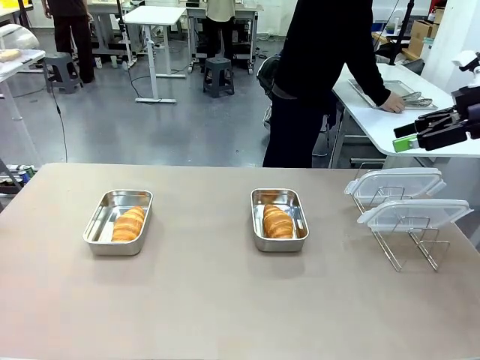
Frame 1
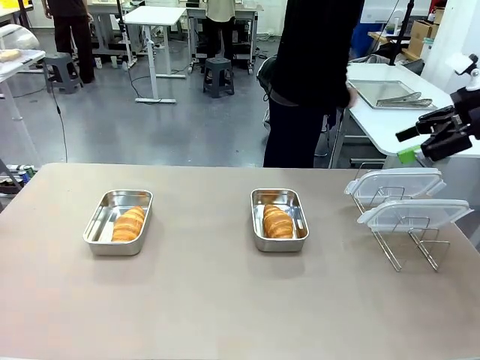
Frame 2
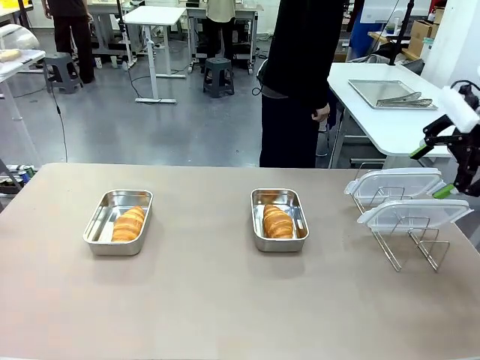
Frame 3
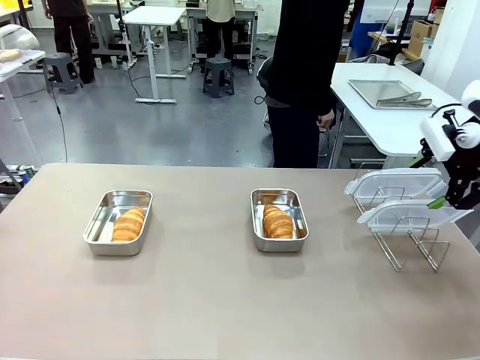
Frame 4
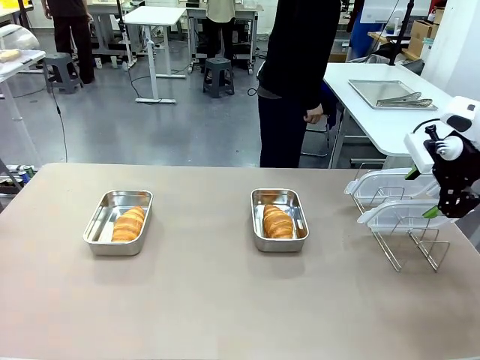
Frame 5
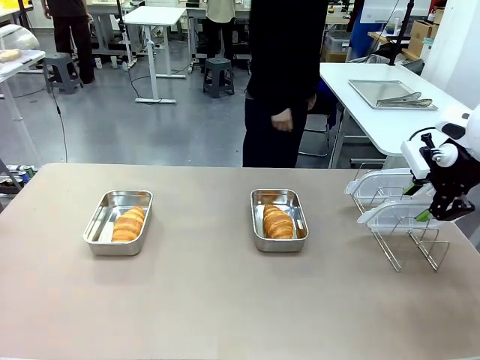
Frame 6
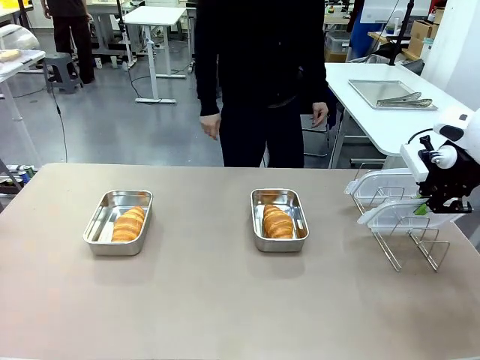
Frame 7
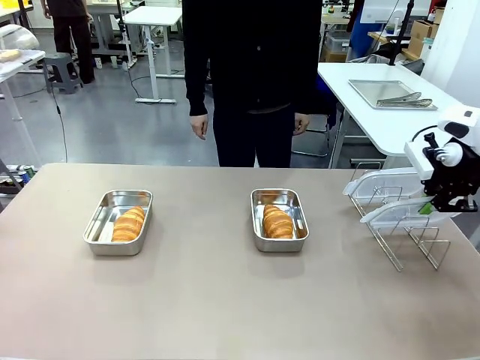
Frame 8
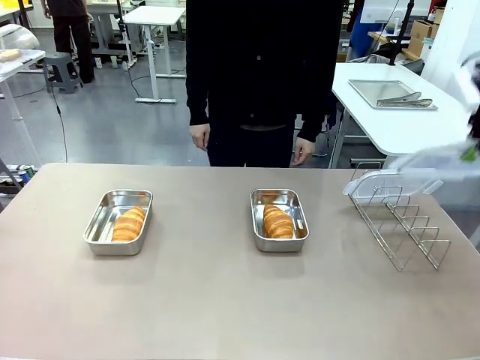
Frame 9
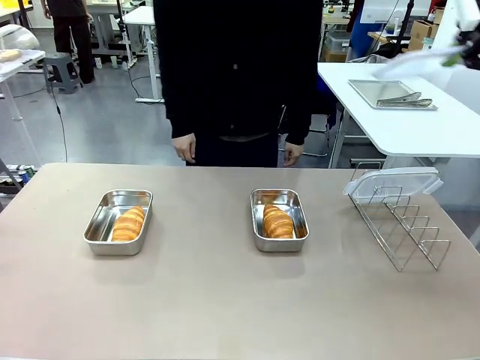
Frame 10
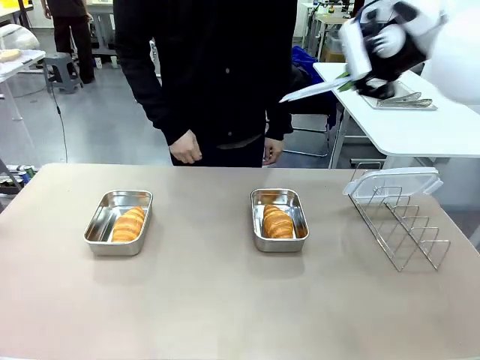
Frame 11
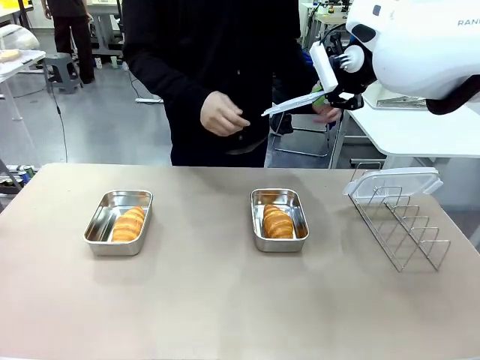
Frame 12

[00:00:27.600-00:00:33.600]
Task: Place the bread in airtight containers.
Robot: Pick up one Airtight Container lid and hand it to the human.
Person: Grip Airtight Container lid that robot is handing.

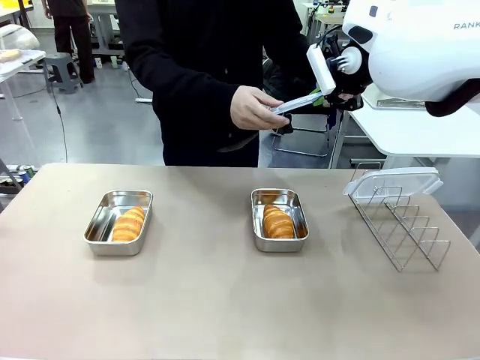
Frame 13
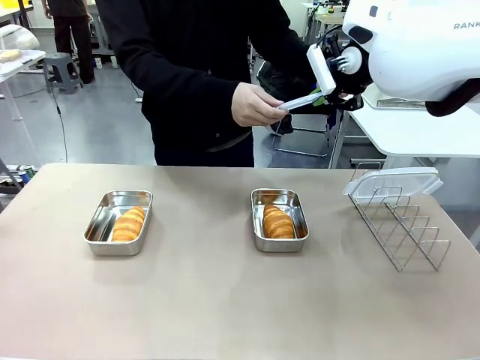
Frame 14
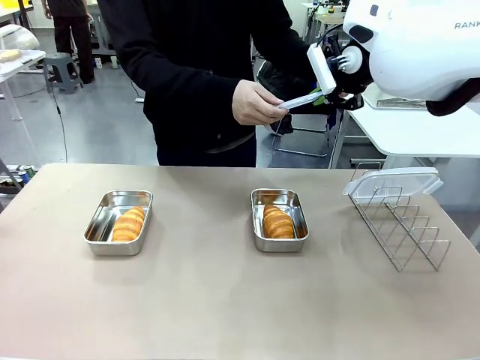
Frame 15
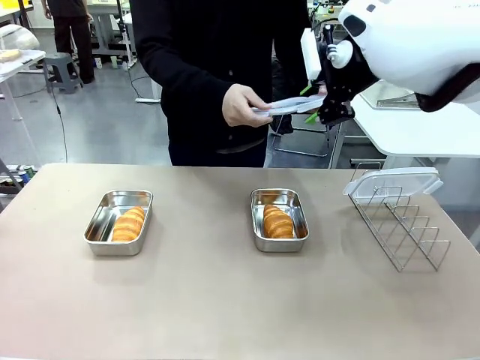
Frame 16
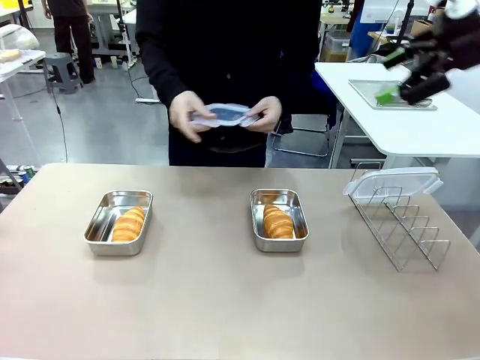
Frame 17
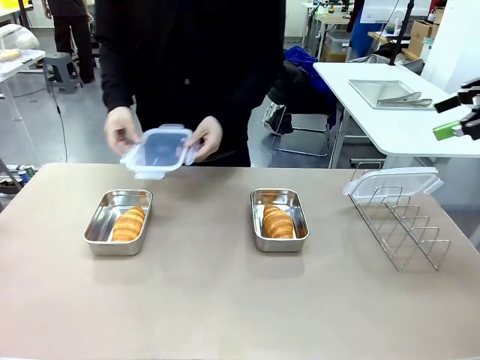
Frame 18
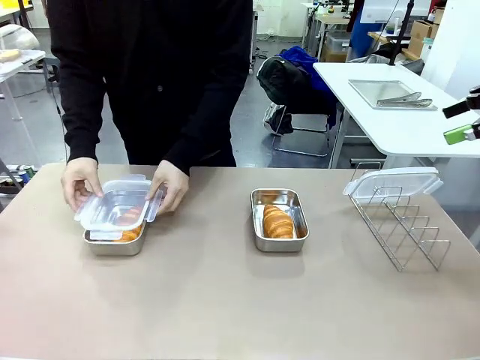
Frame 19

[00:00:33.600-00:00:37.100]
Robot: Release when the human grabs the Airtight Container lid.

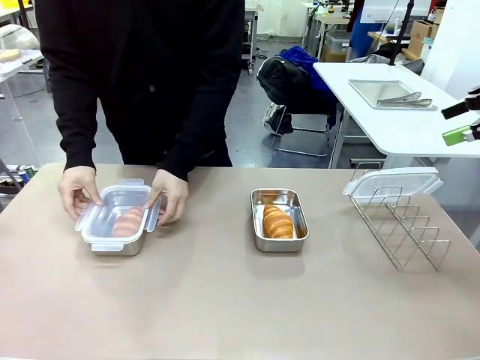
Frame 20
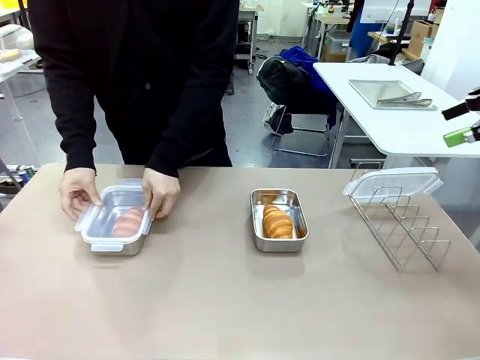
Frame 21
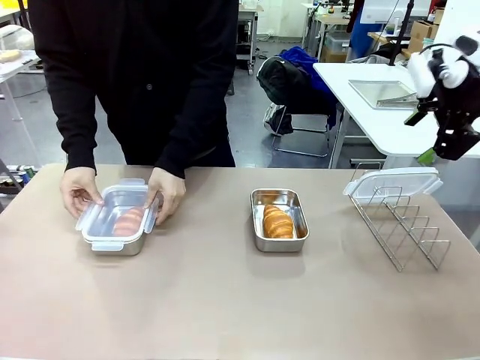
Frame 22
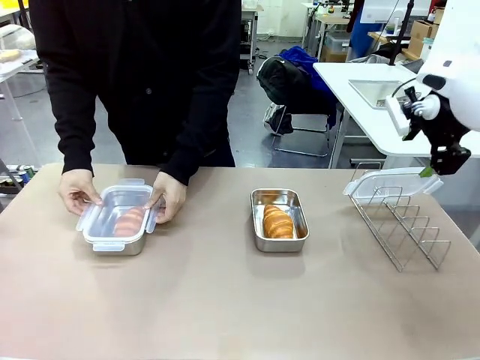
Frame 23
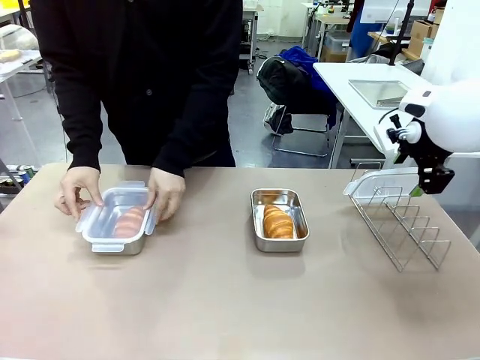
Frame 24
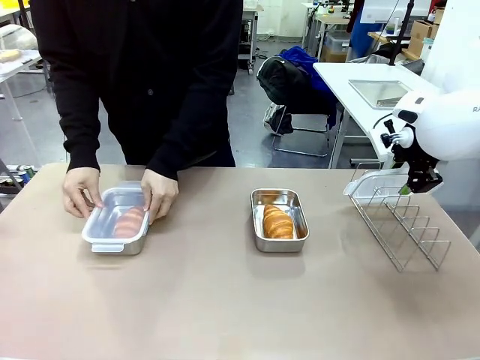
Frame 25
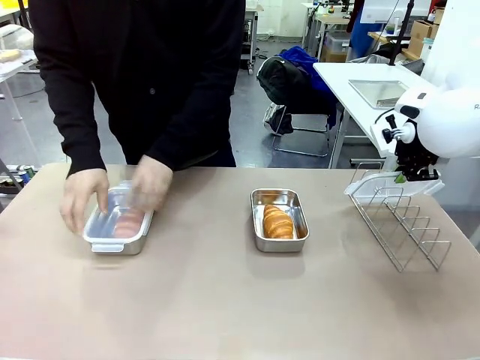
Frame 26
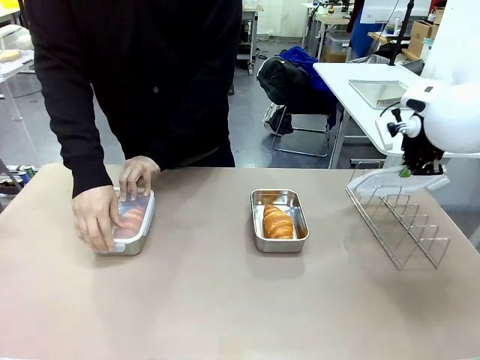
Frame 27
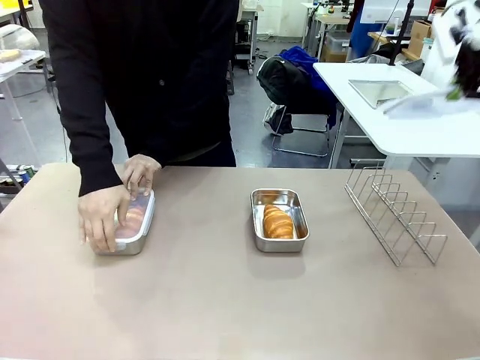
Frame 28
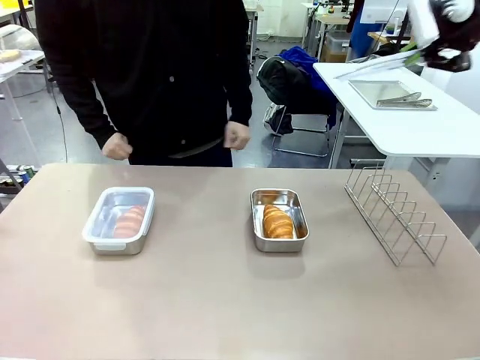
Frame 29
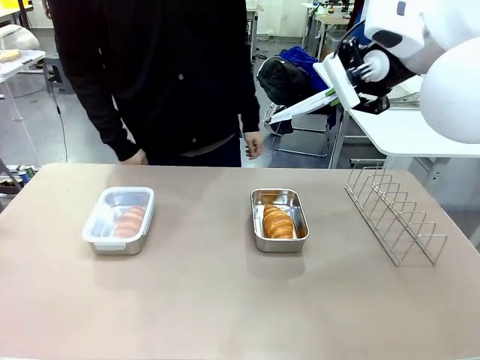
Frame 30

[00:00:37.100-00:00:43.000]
Robot: Pick up one Airtight Container lid and hand it to the human.
Person: Close Airtight Container with a handed Airtight Container lid.

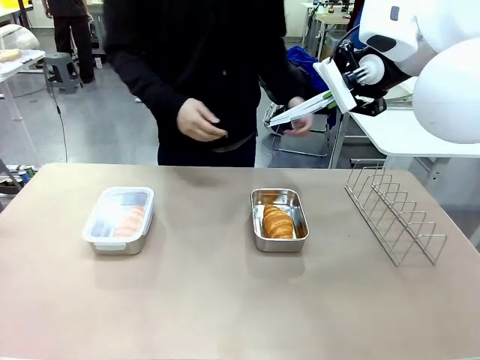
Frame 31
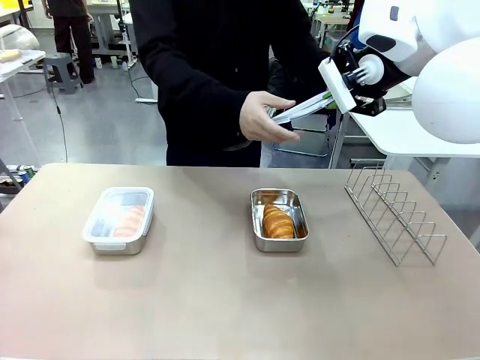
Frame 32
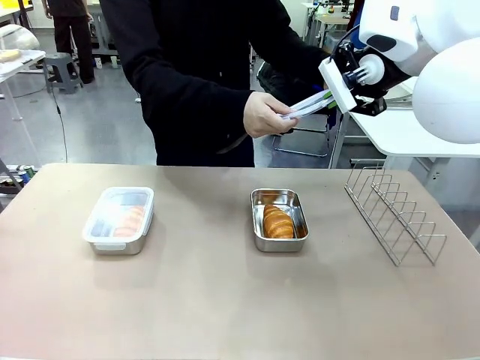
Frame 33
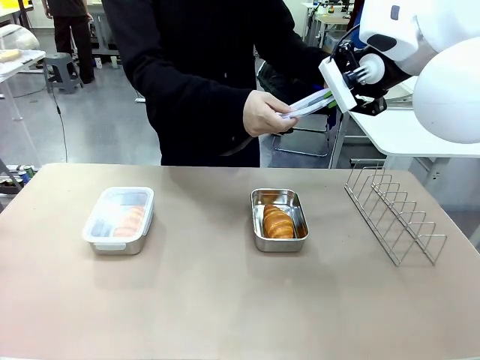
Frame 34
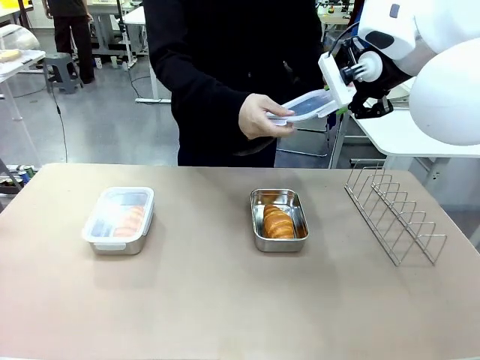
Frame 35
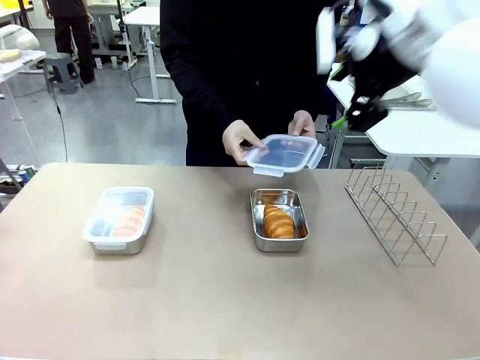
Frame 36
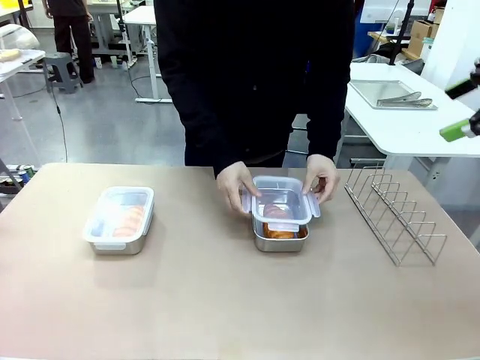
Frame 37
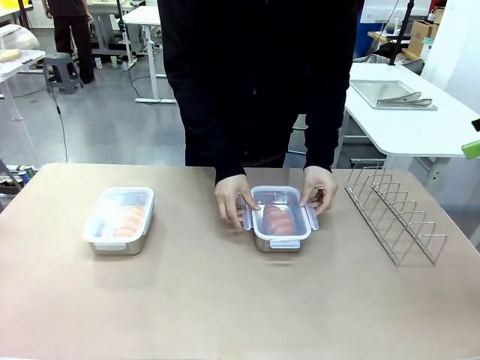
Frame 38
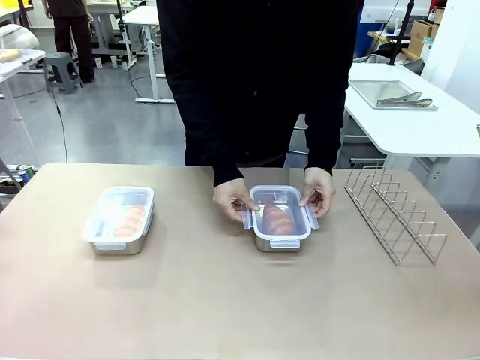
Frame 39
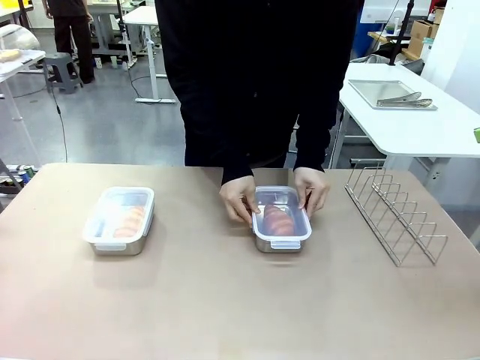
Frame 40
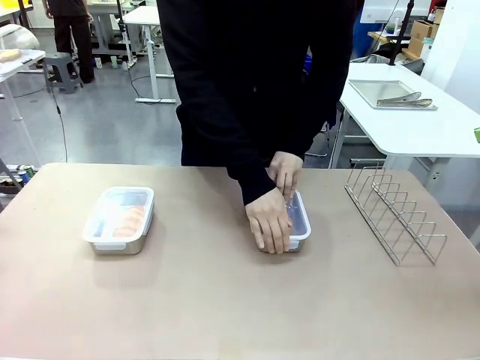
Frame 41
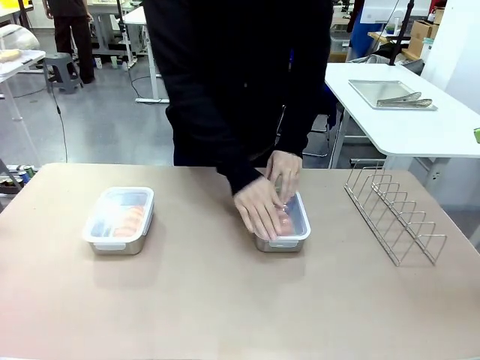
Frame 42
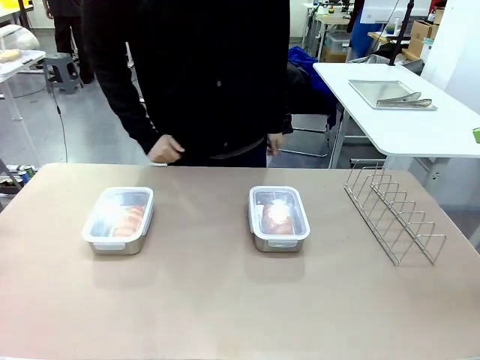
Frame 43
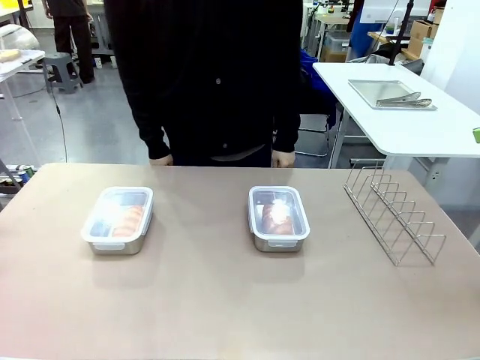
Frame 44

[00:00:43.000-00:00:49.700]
Robot: Release when the human grabs the Airtight Container lid.
Person: Grip Airtight Container lid that robot is handing. Close Airtight Container with a handed Airtight Container lid.
